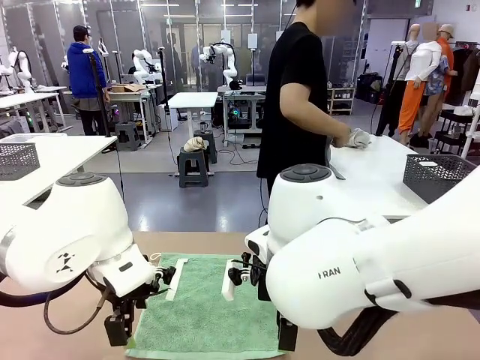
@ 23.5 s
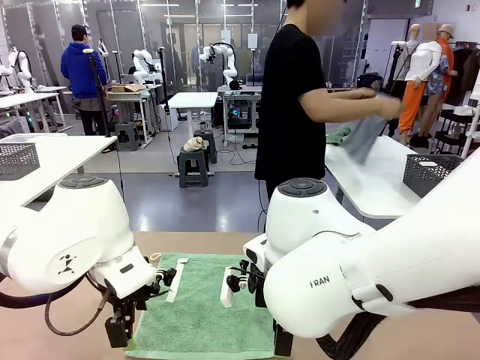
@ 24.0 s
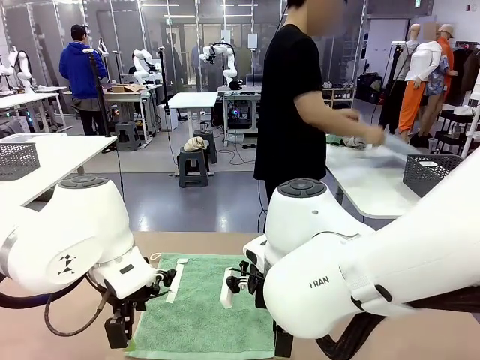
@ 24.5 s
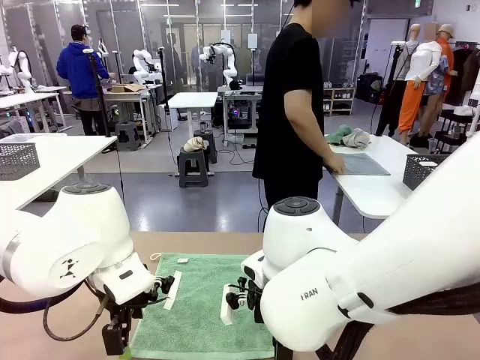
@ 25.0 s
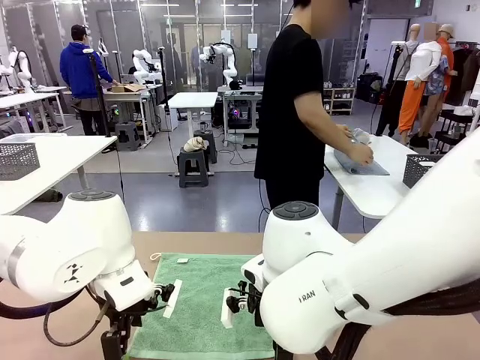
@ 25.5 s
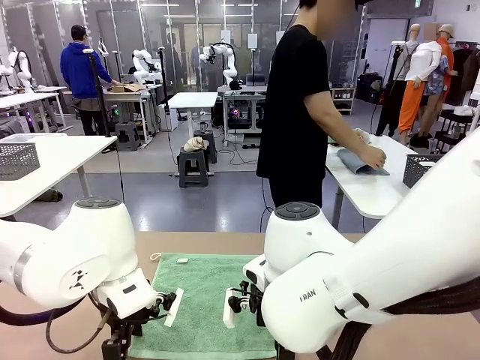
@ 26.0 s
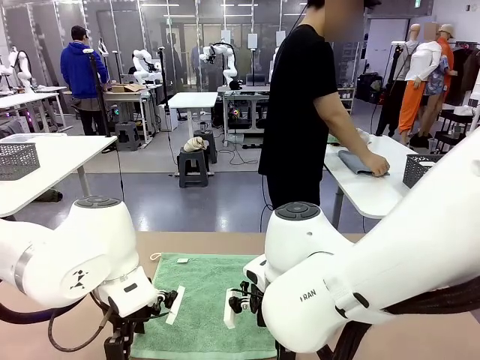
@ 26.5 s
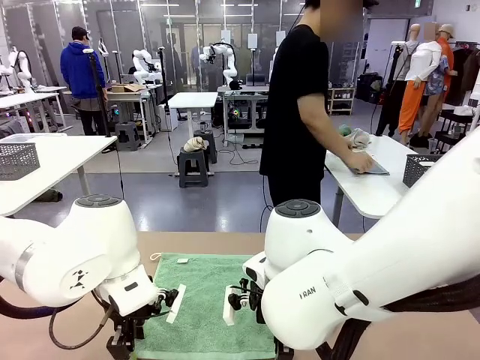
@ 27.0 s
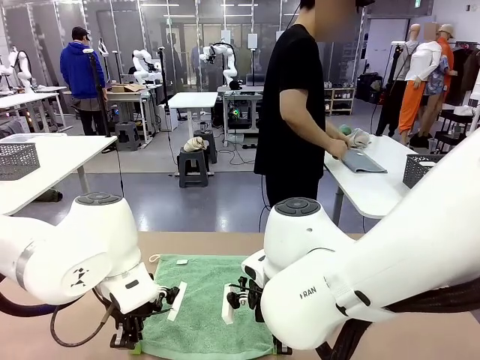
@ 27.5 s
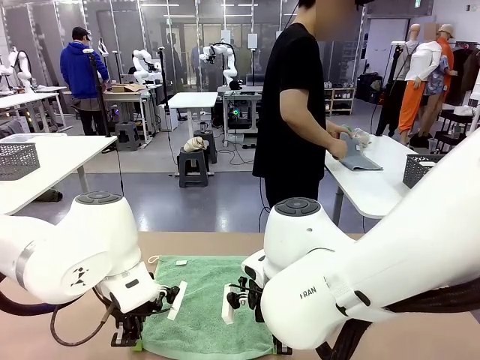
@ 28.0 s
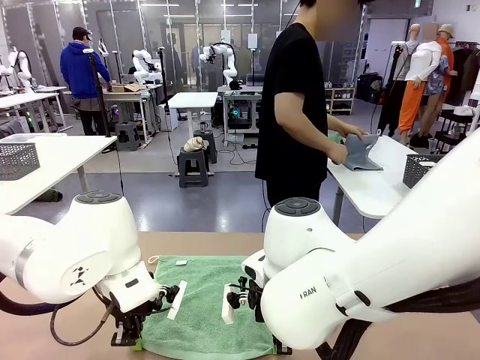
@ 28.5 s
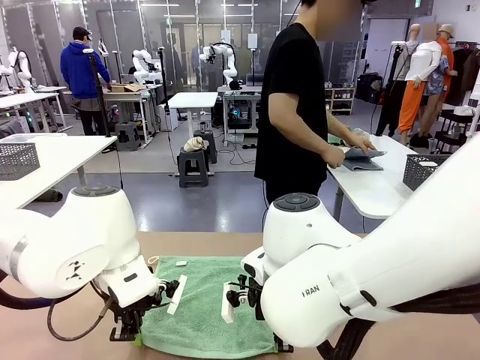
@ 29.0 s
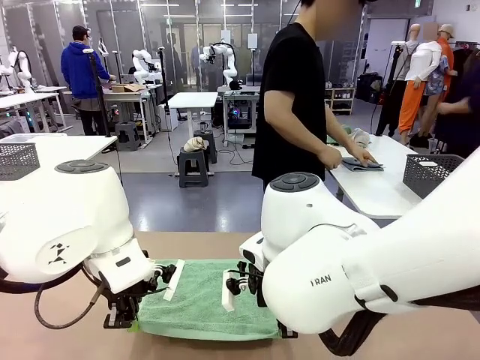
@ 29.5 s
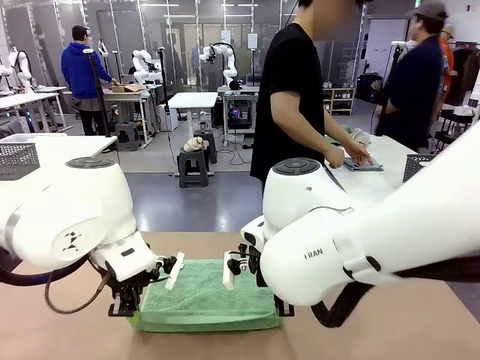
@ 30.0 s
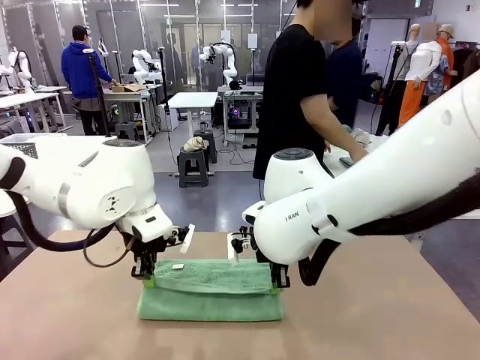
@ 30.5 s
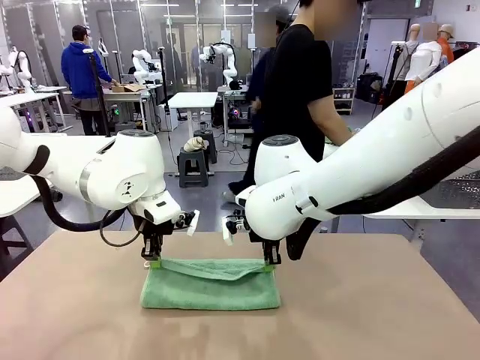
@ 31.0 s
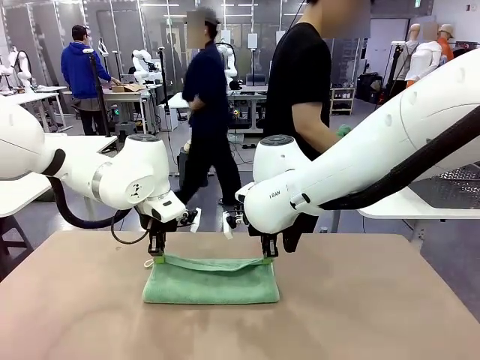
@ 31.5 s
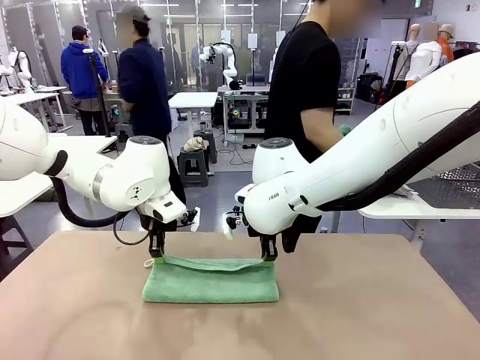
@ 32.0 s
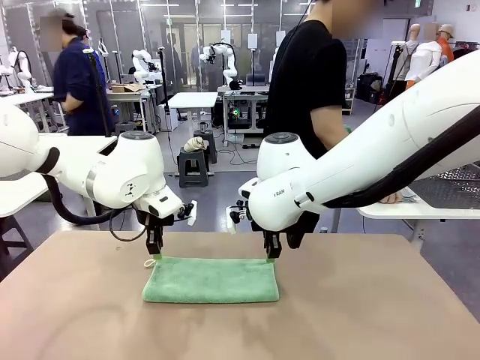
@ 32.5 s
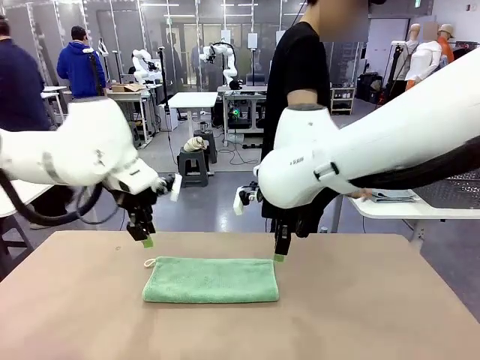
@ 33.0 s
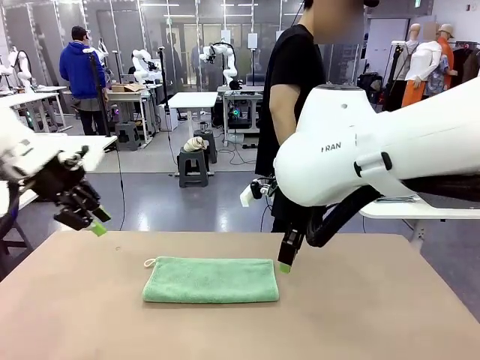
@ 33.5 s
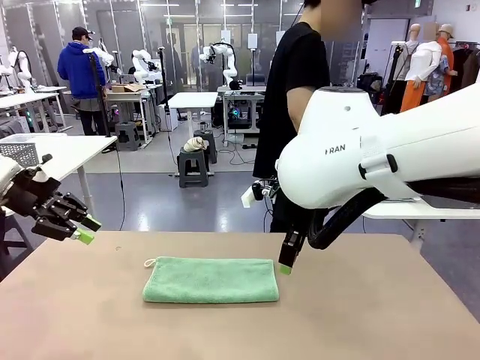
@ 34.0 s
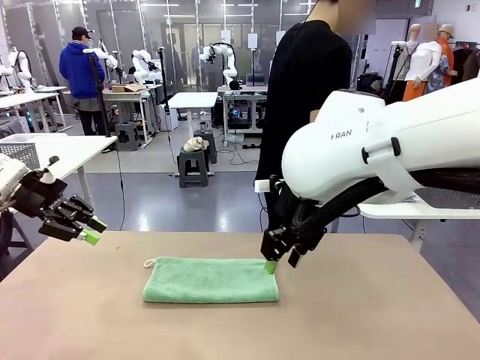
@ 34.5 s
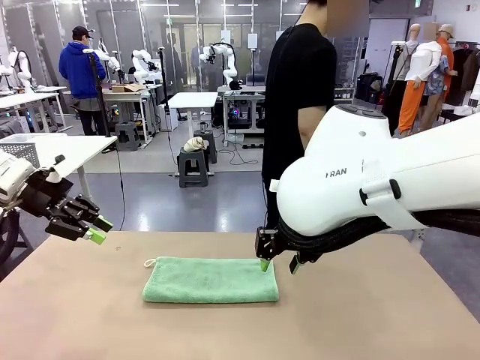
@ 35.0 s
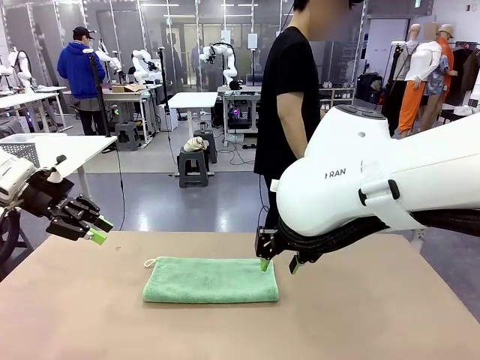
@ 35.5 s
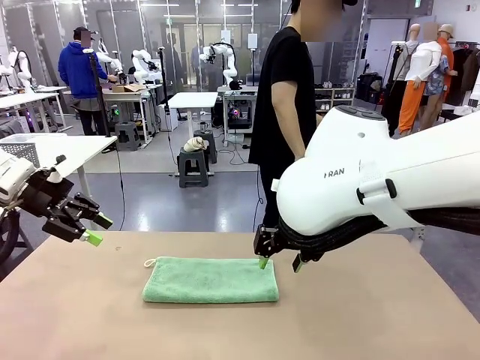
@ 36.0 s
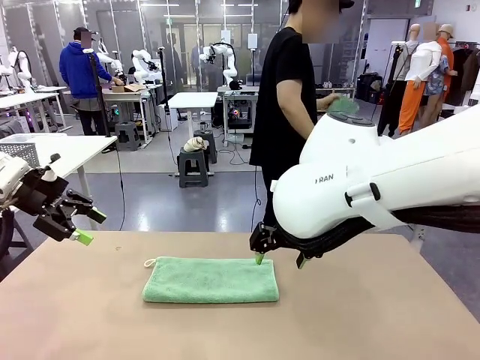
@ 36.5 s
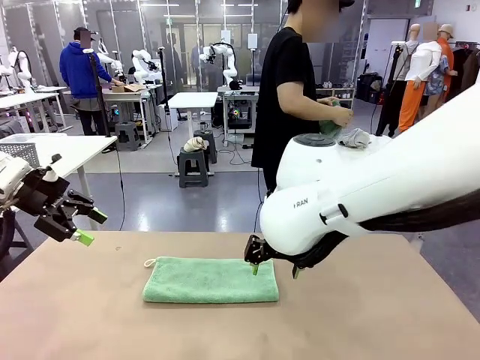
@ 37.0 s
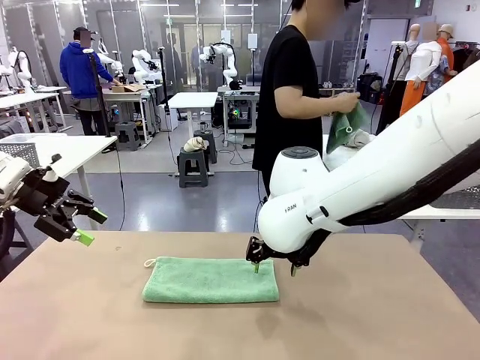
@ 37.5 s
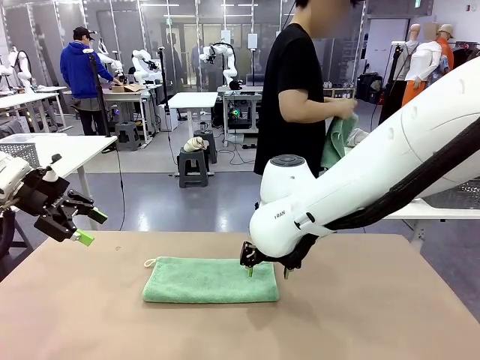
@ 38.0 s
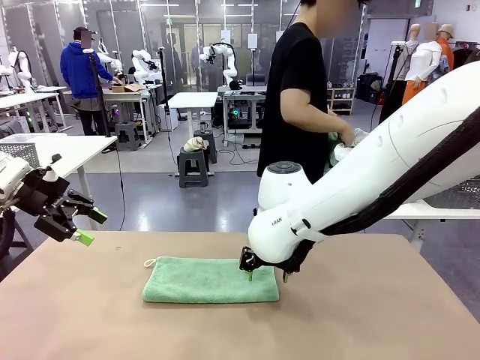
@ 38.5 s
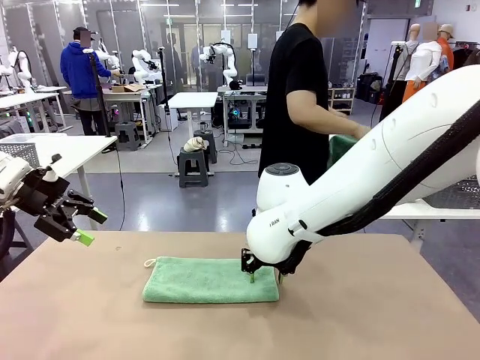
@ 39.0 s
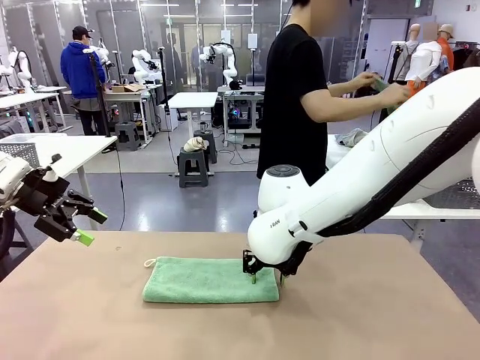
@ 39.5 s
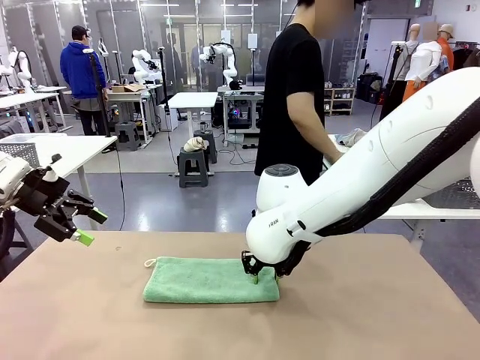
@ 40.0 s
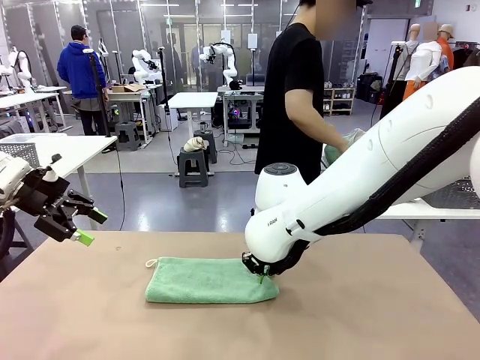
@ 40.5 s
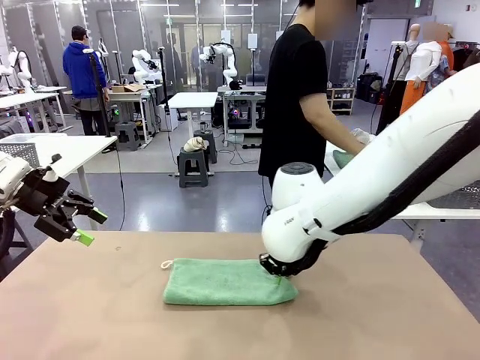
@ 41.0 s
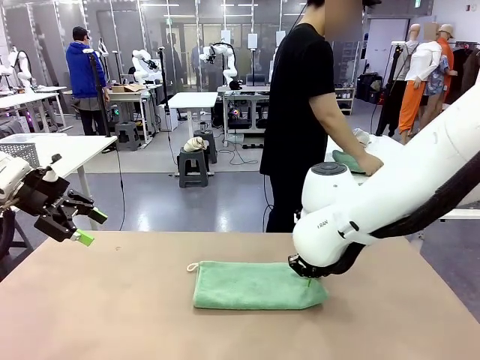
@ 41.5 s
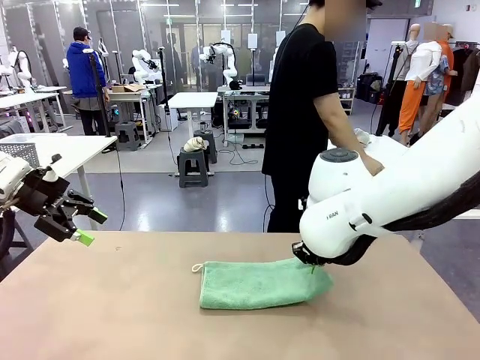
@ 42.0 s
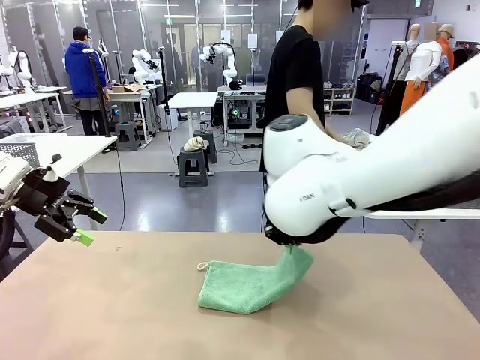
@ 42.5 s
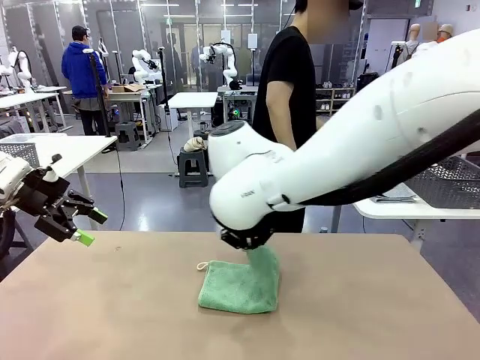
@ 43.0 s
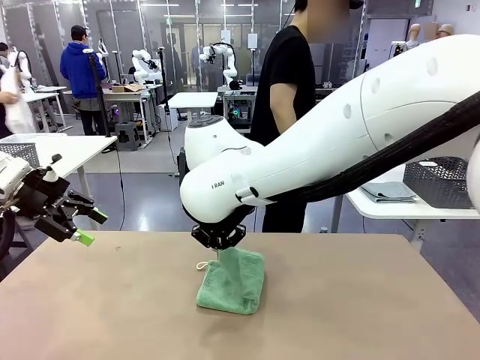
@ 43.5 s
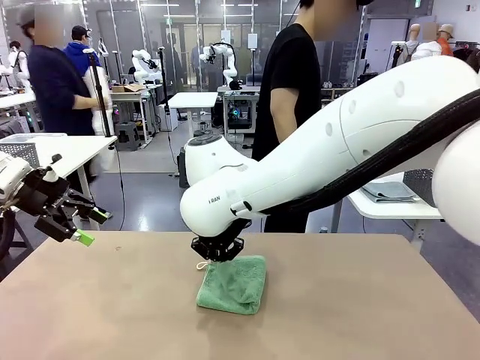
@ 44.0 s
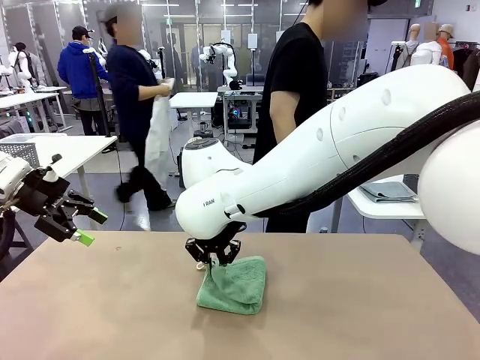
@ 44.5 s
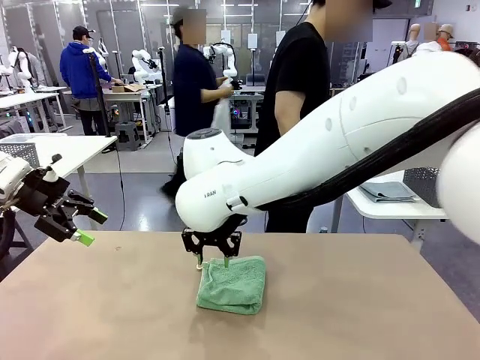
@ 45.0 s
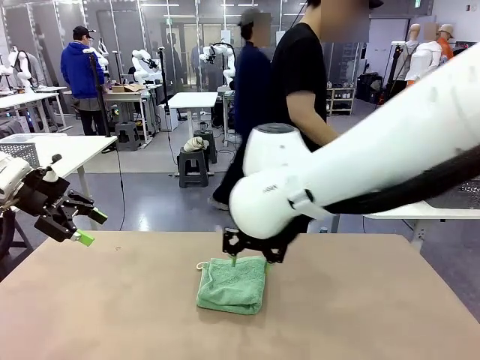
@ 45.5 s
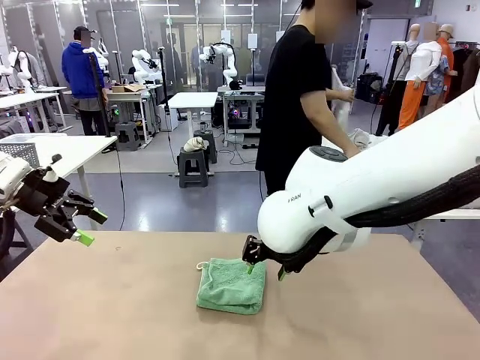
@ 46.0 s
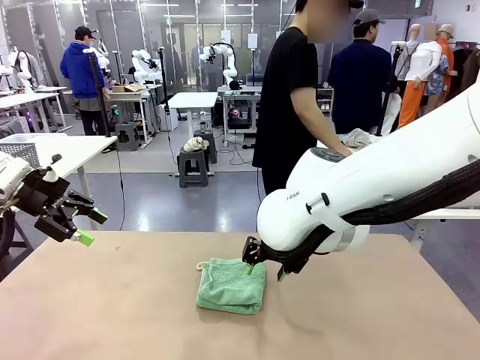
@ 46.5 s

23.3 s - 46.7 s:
Task: Fold the towels and place them in the basket.
Robot: When a person lays out a Towel with hook on the table, fold it in half twice.
Person: Pick up one towel from the left side of the human table, fold it in half twice, and place it on the right side of the table. Pick up one towel from the left side of the human table, fold it in half twice, and stack it on the right side of the table.
